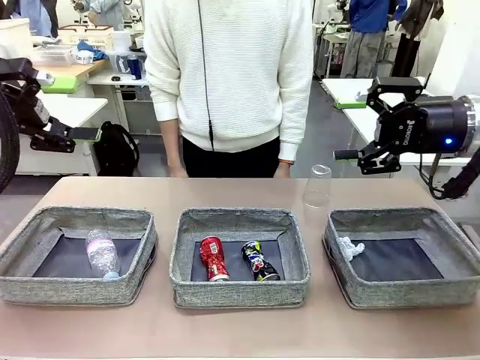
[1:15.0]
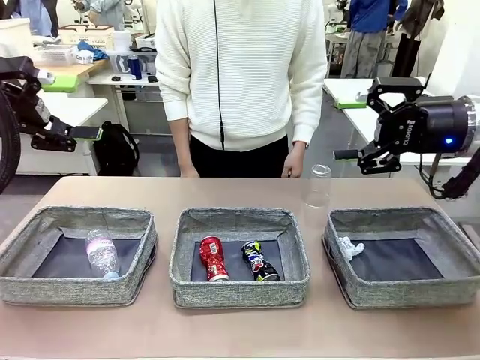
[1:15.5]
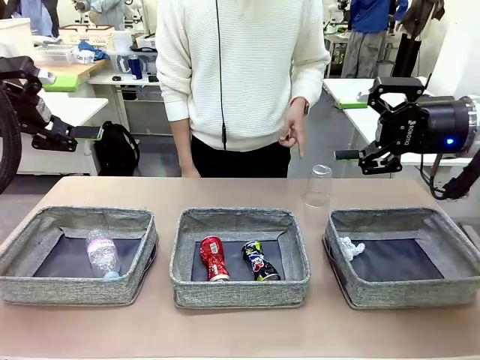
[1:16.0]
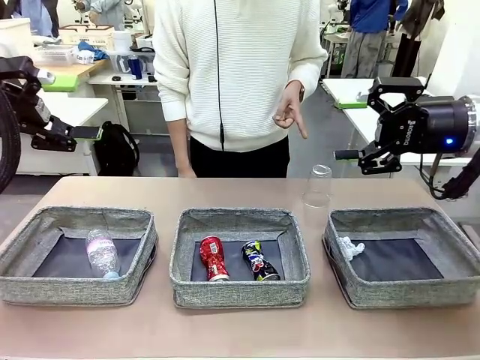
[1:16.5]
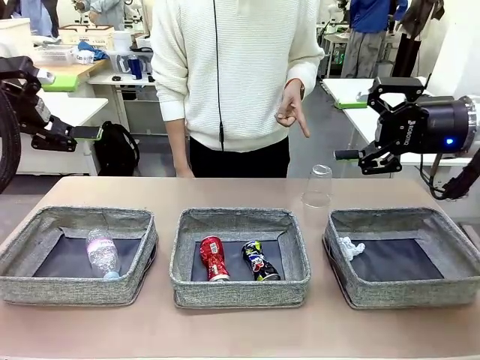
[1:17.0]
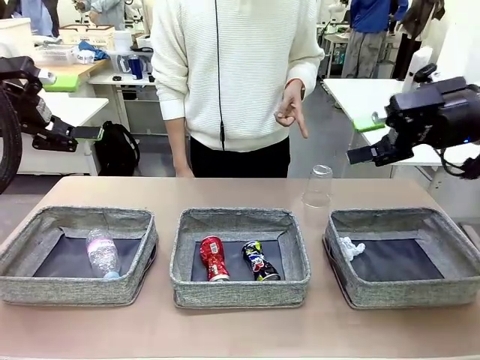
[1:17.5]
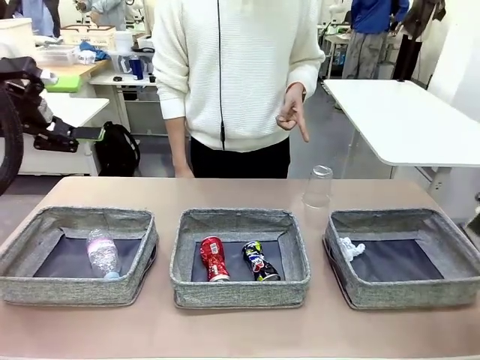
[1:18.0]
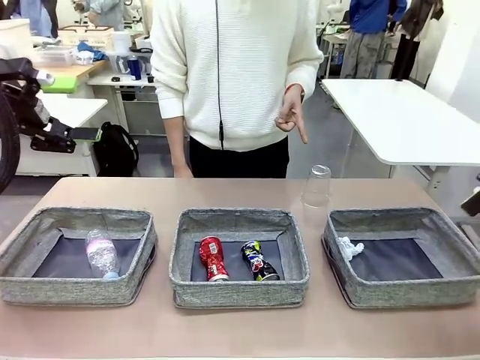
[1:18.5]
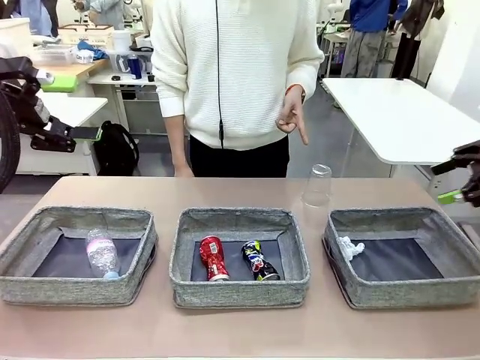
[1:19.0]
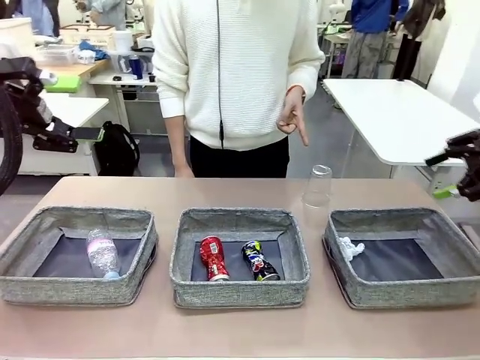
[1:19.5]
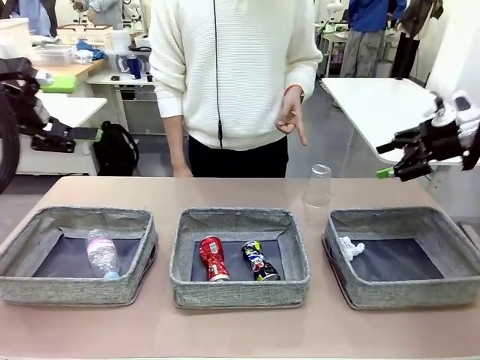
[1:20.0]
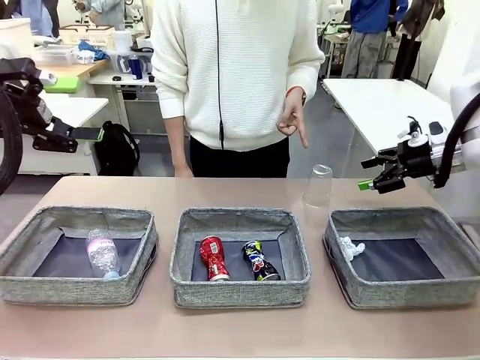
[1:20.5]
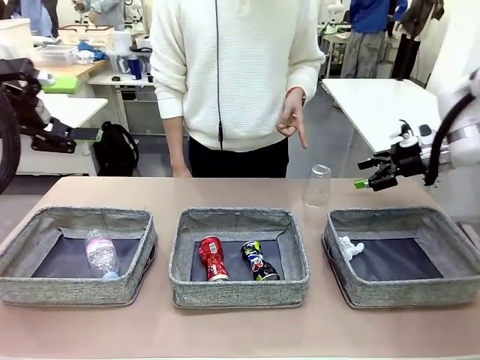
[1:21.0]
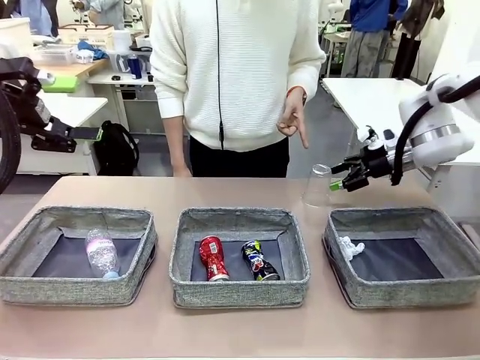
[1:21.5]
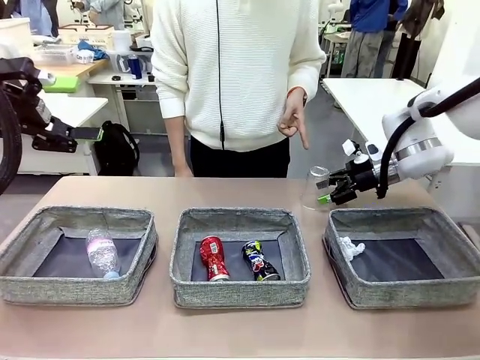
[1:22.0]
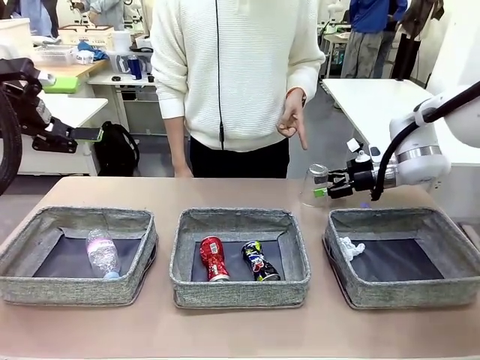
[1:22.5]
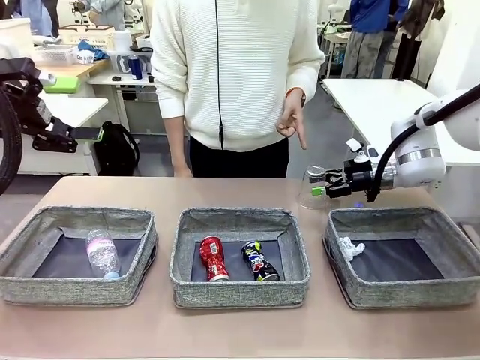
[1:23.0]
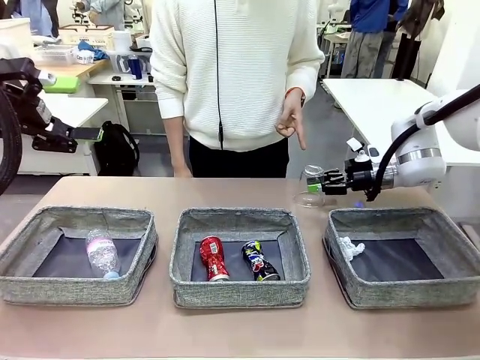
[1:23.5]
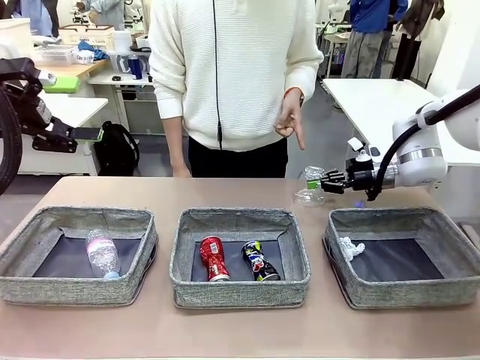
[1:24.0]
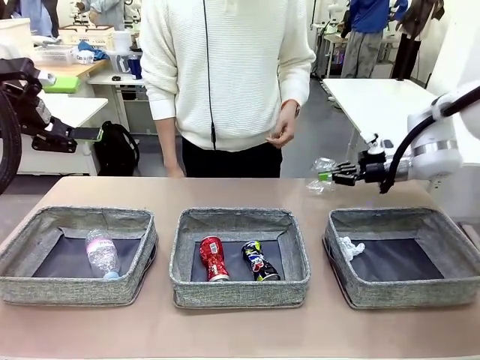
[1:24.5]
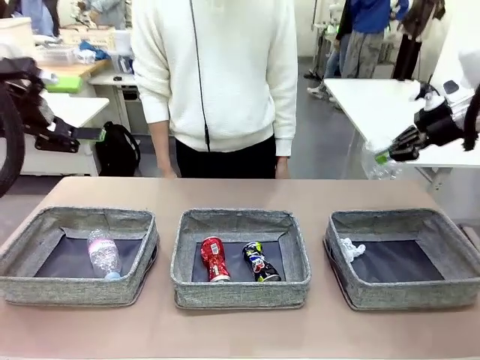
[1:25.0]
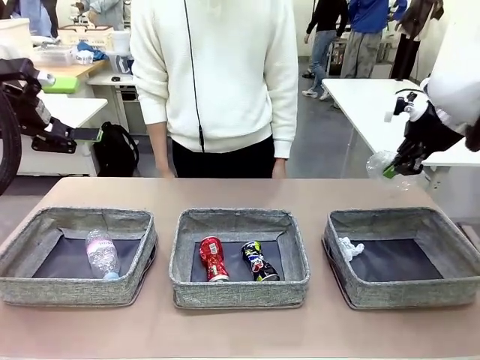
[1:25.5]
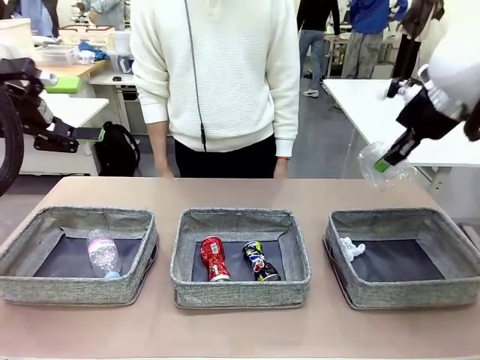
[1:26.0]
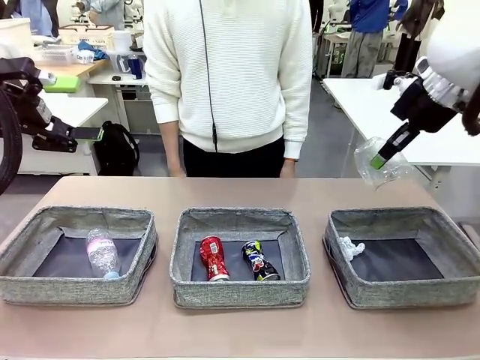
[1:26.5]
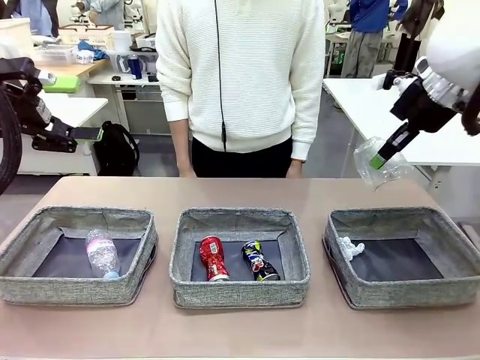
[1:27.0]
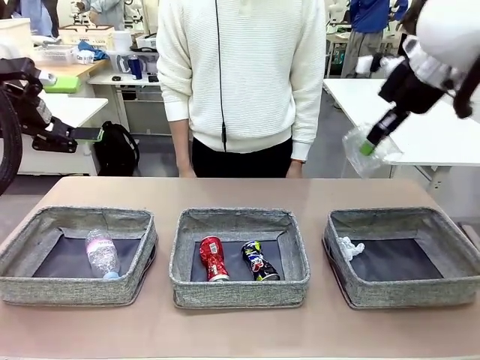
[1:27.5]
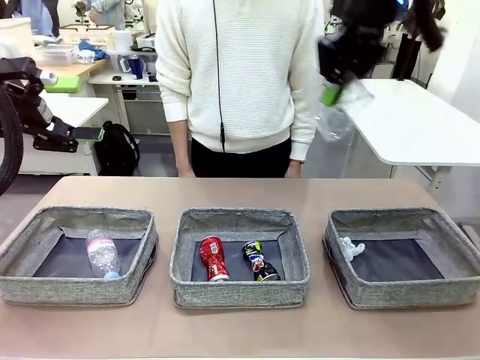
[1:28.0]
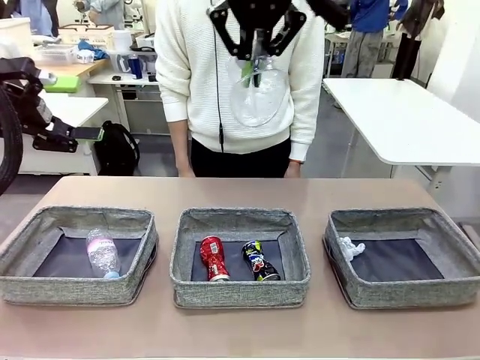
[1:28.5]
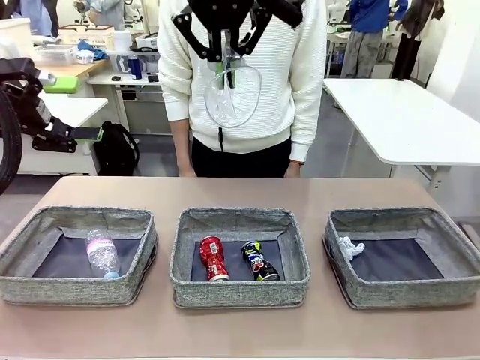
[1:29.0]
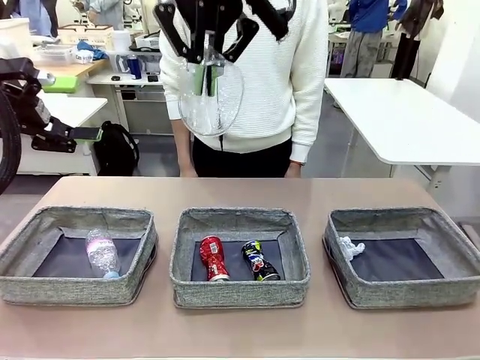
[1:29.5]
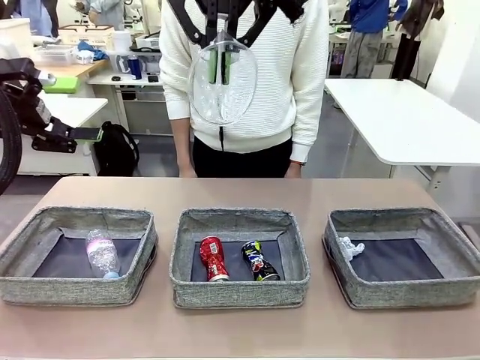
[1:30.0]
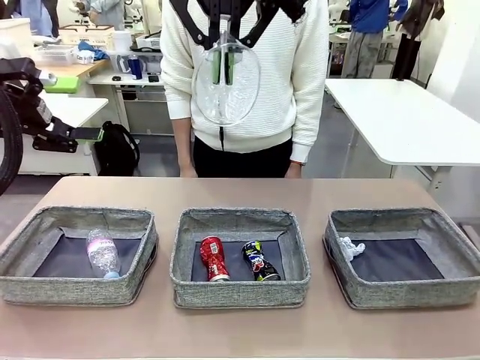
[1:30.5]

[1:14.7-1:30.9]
Task: Sort the waste into the appropriate baskets.
Robot: Pick up the waste item pointed out by the person.
Person: Points to one piece of trash on the table.

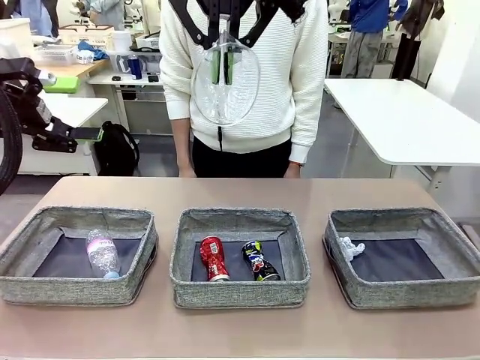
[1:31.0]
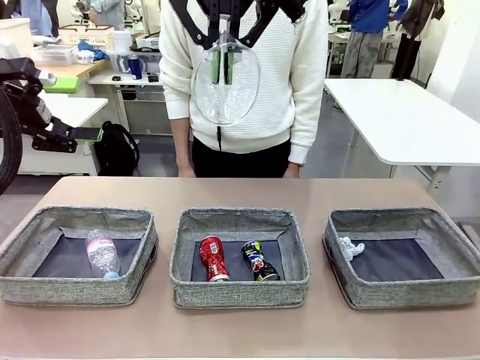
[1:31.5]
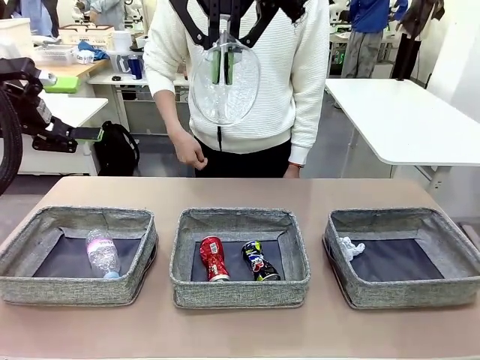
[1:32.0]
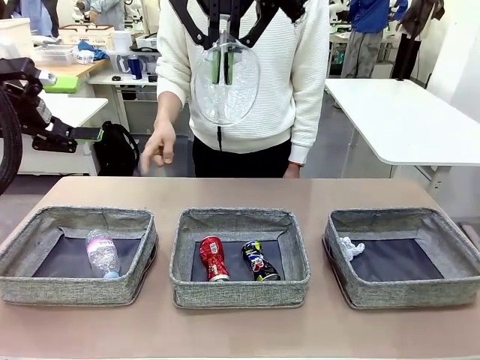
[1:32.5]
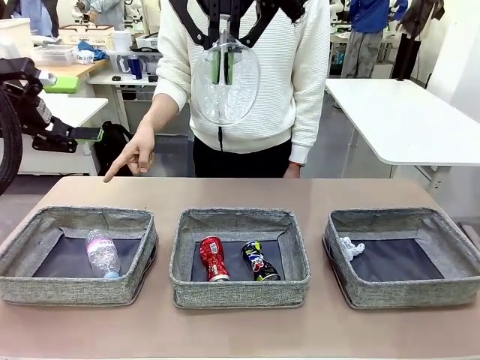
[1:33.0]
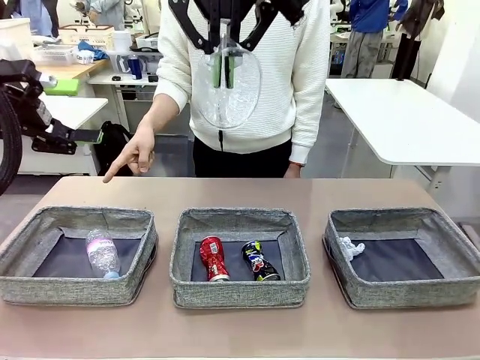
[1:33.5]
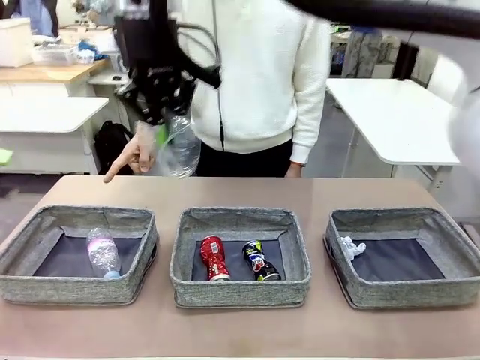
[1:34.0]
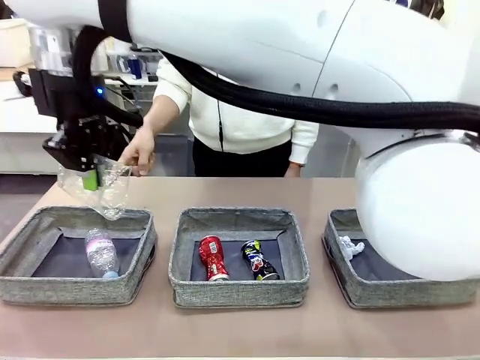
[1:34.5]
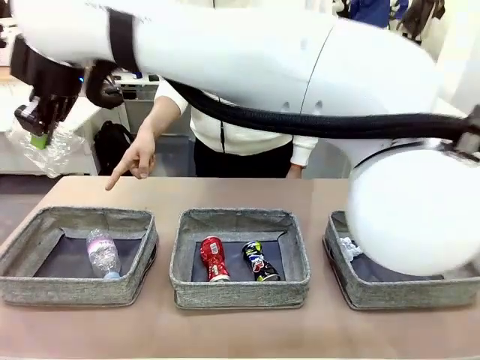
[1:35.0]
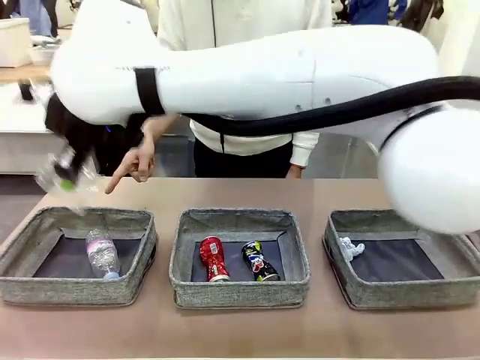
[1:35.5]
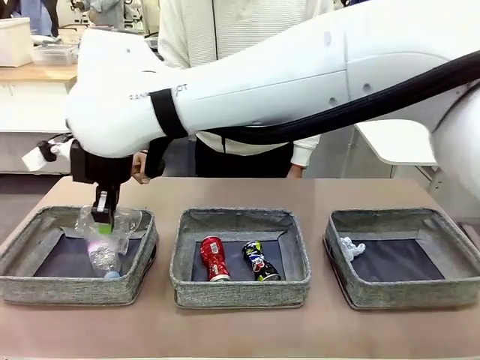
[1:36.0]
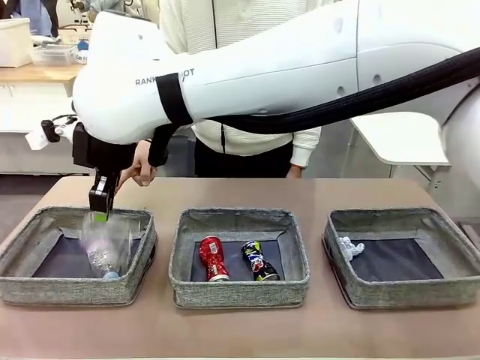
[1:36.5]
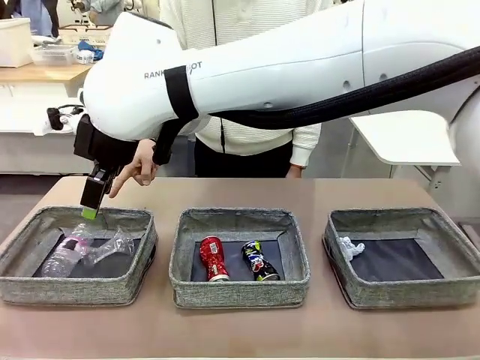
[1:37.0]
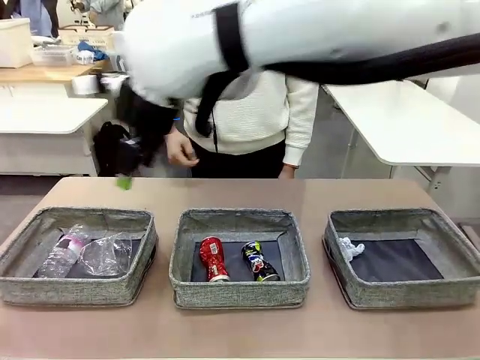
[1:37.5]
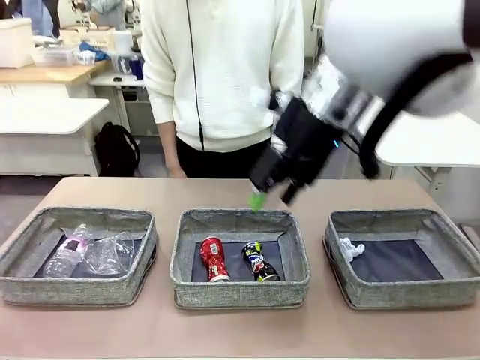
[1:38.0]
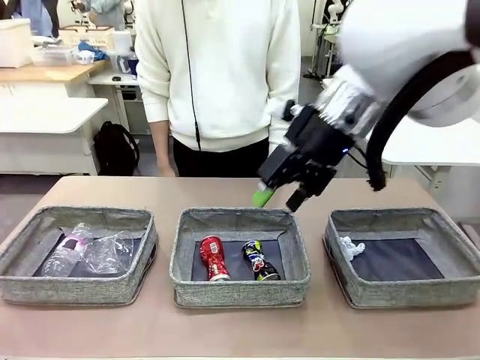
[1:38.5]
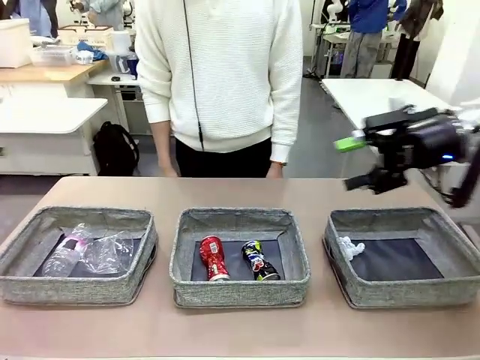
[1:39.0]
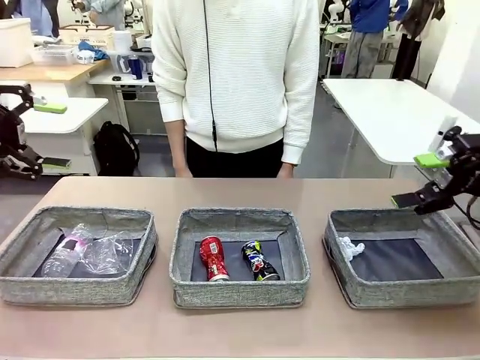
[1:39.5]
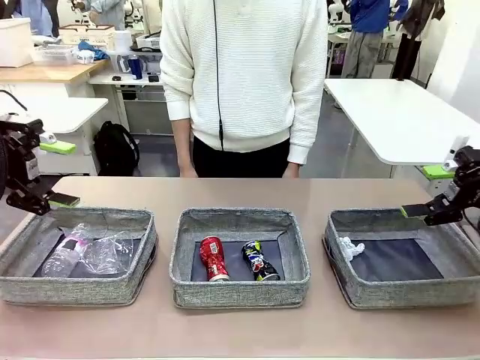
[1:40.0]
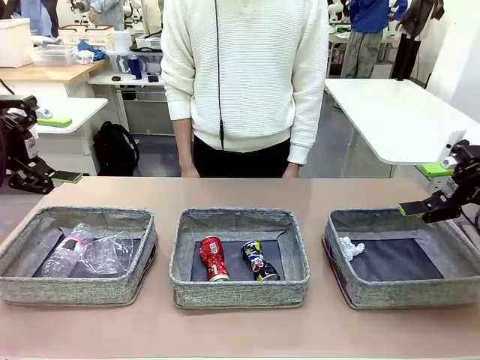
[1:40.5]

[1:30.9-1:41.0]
Robot: Place the picked waste into the Fabric basket indicated by the person.
Person: Instructs the robot to place the picked-up trash into the appropriate organizing basket.
